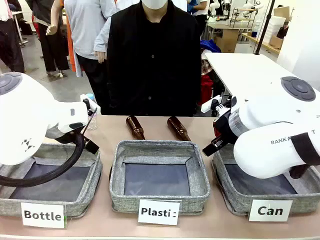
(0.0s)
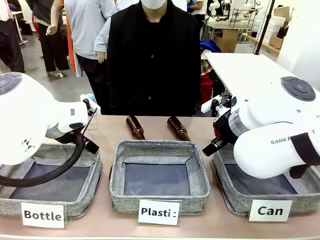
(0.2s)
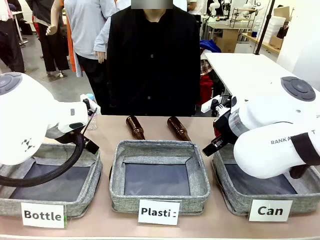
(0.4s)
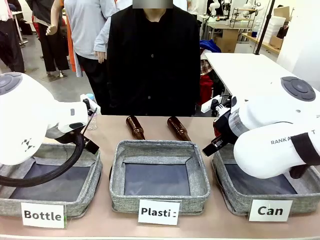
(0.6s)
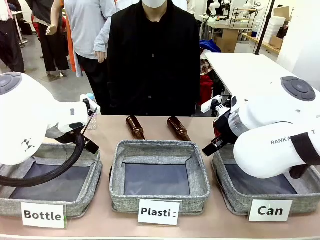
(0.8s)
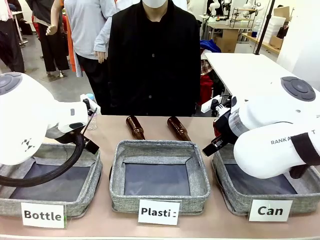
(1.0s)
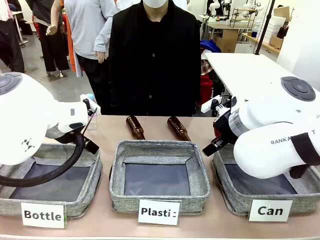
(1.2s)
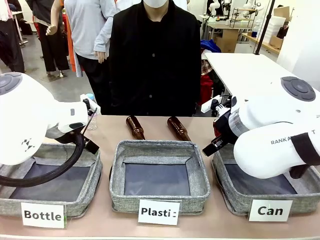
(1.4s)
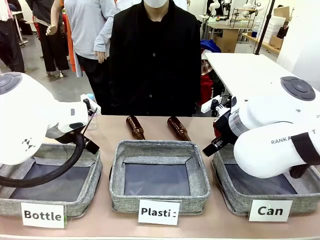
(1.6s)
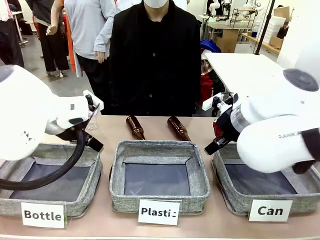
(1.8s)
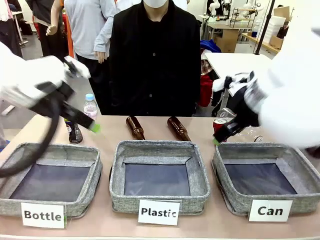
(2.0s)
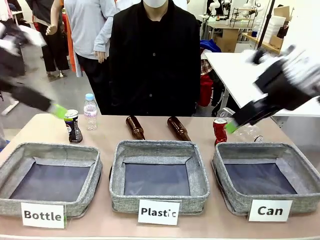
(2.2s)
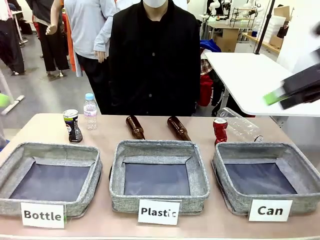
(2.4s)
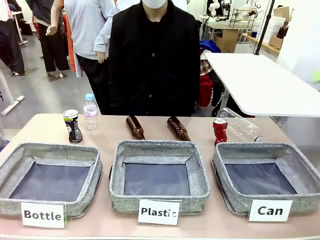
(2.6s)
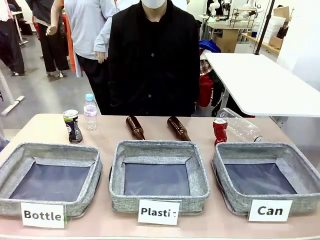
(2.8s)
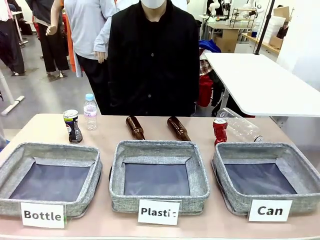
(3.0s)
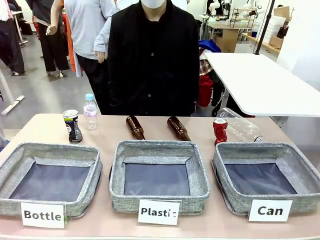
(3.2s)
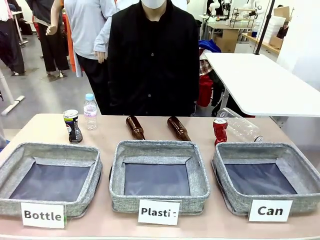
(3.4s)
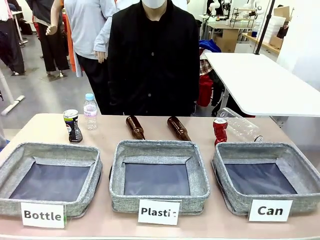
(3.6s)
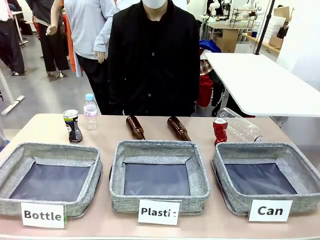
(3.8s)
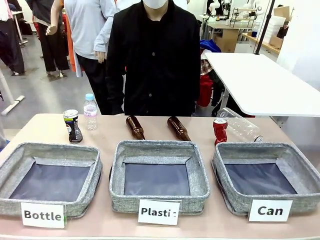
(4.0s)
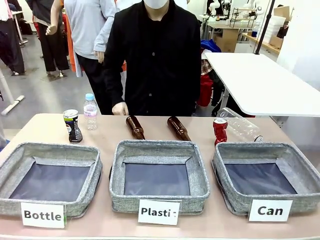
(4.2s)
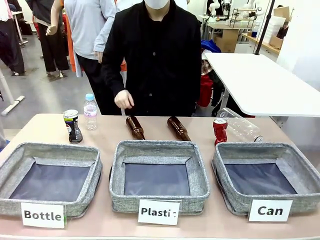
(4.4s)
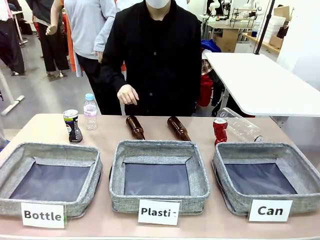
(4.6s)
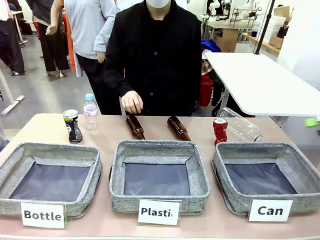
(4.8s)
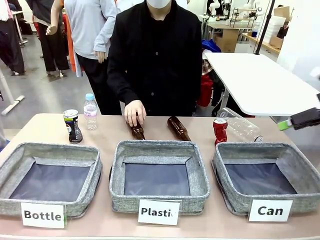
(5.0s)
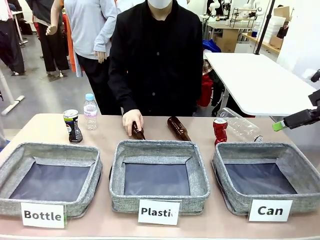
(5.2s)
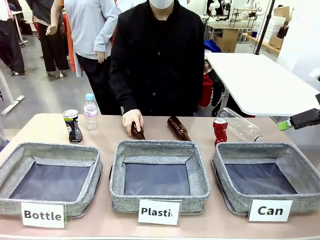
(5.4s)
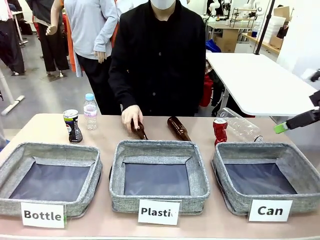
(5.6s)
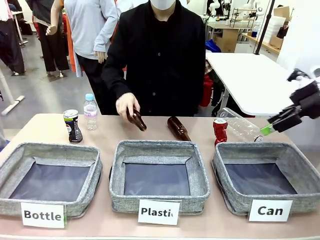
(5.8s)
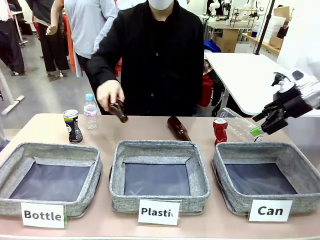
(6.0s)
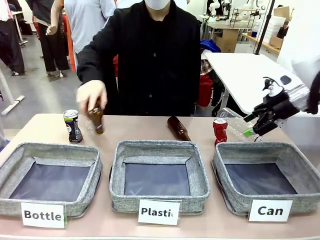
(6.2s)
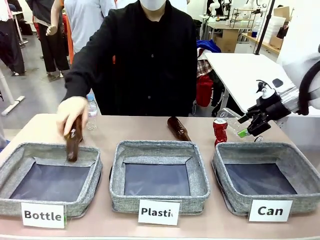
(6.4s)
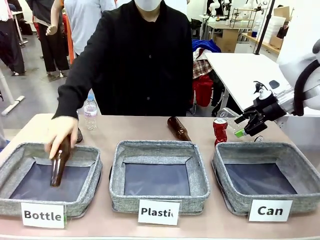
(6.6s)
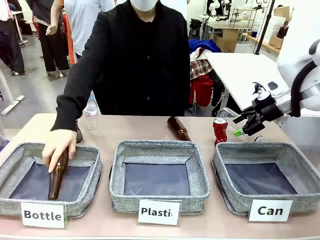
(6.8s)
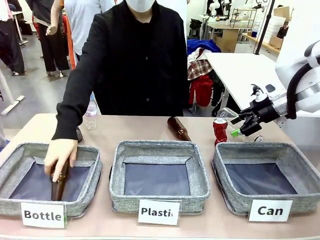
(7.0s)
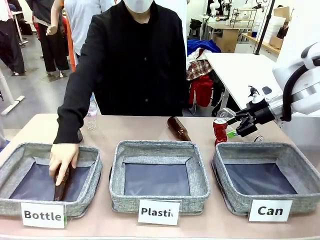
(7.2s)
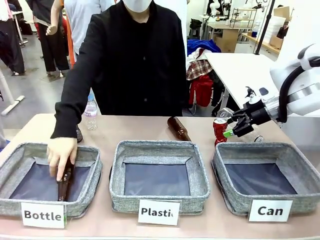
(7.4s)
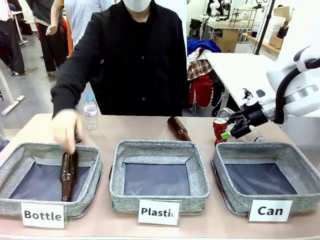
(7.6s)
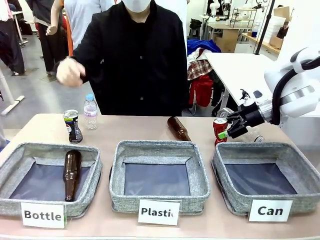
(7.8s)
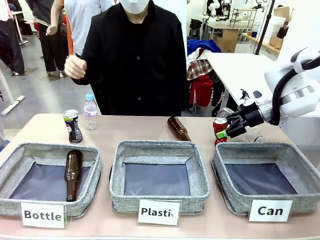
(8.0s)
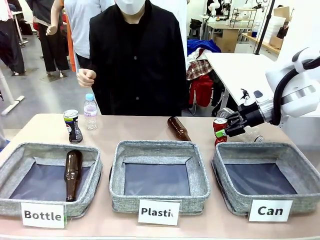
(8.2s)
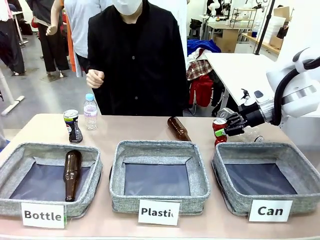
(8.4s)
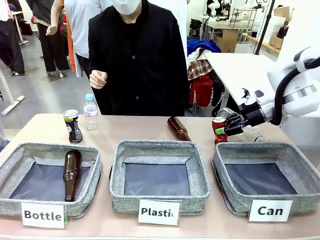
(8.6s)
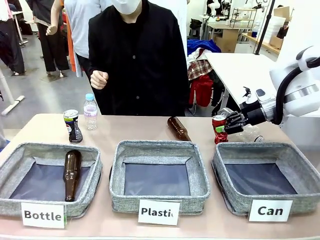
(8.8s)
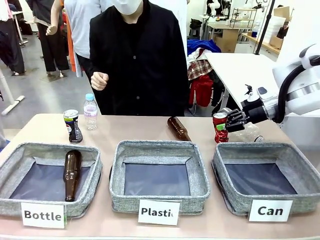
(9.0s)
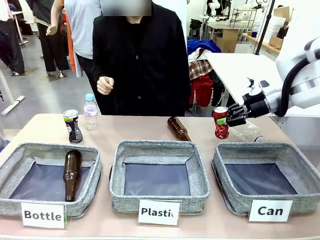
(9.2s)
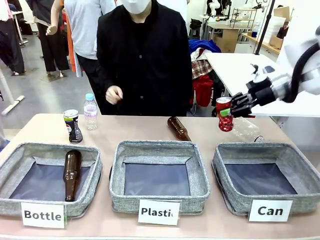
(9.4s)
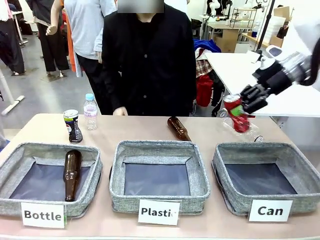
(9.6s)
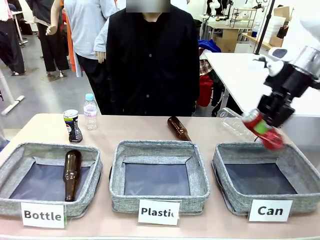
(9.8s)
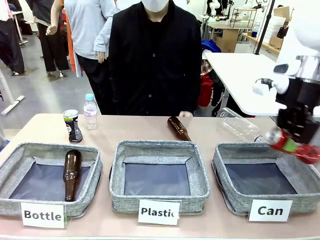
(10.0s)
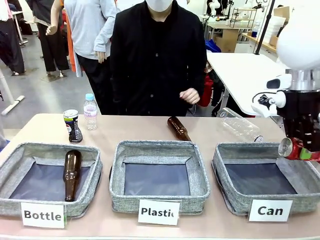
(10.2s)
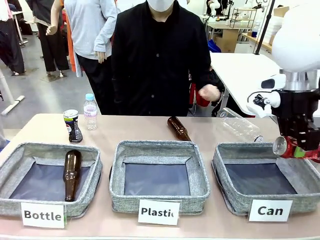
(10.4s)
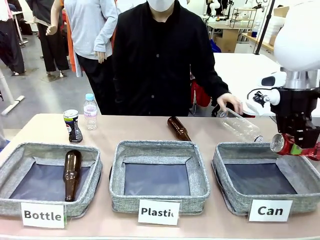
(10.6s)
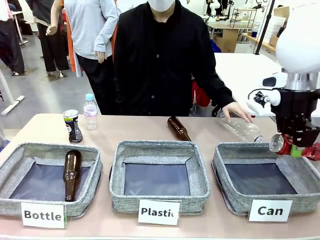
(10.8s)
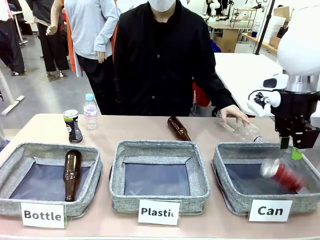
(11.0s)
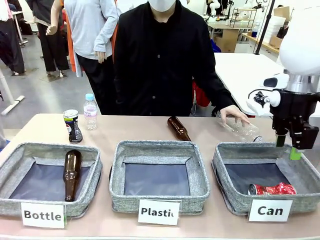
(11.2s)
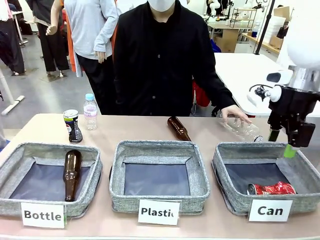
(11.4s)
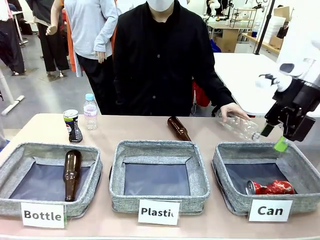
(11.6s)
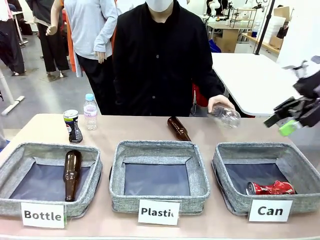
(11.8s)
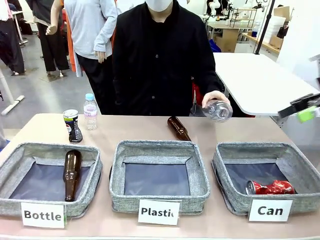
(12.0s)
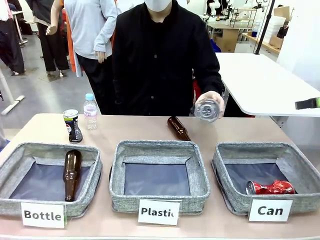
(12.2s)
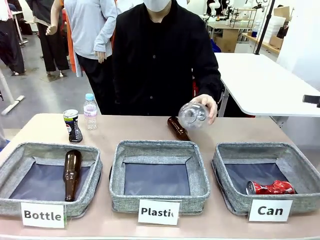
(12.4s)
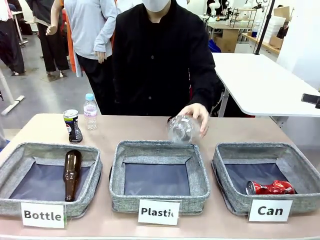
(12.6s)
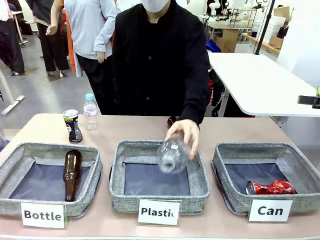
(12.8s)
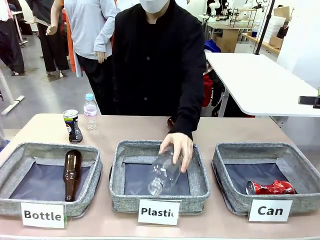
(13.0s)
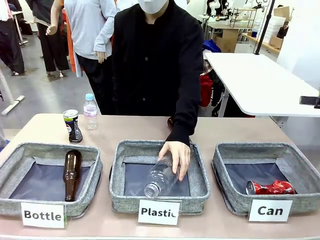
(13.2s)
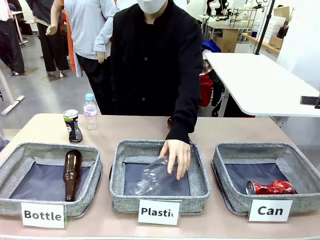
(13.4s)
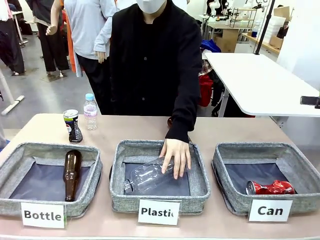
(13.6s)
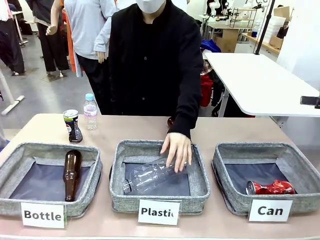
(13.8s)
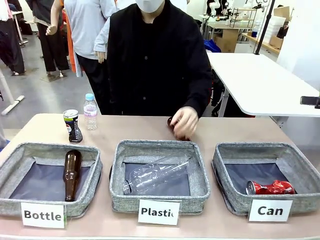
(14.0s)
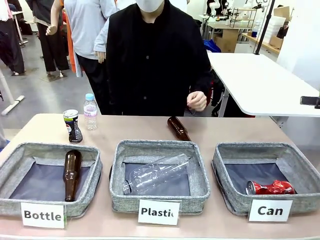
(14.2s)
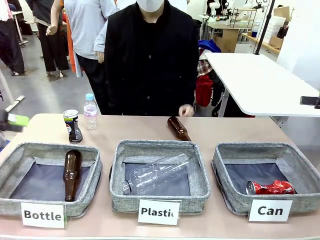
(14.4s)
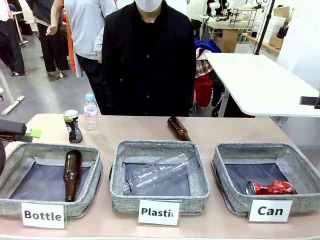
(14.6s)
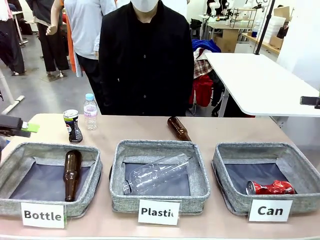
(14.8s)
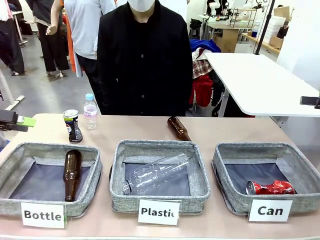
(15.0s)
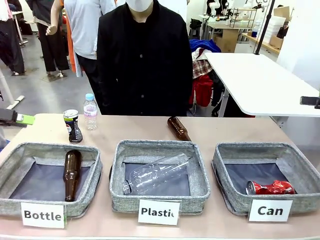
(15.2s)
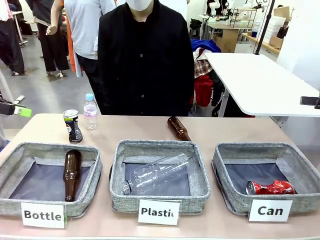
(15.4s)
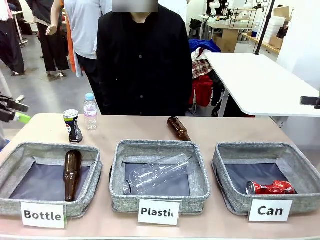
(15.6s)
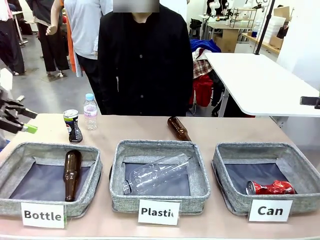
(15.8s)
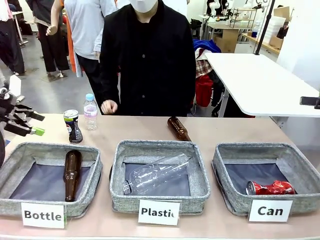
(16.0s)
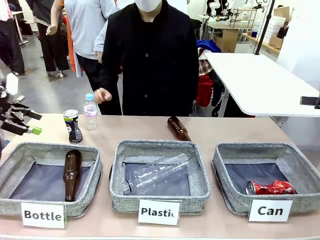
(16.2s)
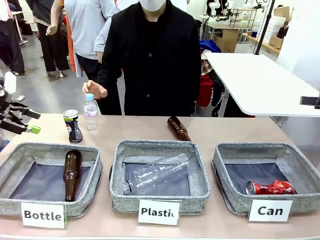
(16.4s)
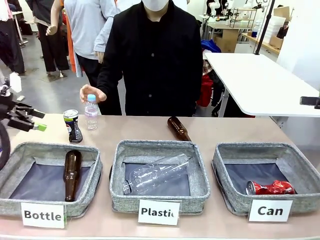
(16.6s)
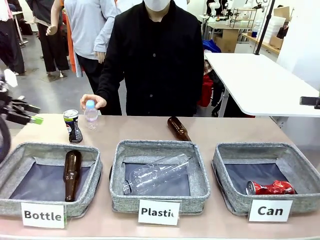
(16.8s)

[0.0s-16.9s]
Task: Sort the can waste into the basket.
Robot: Pick up the can waste from the table and place it in the right Fabric basket.
